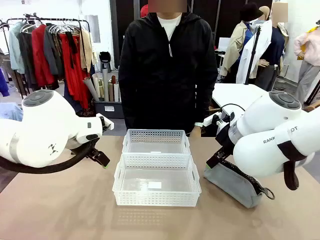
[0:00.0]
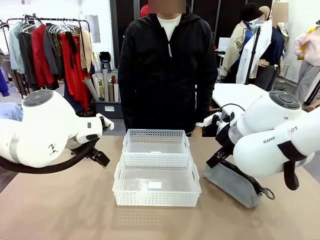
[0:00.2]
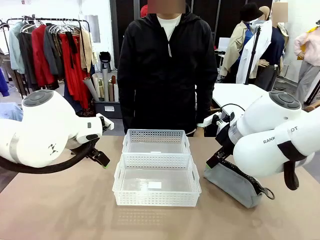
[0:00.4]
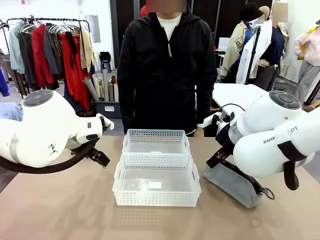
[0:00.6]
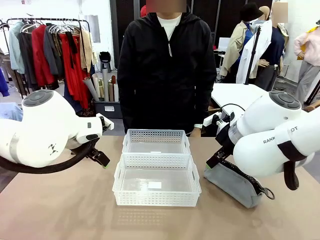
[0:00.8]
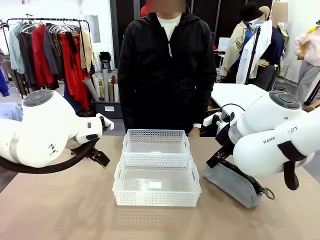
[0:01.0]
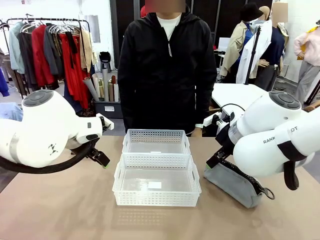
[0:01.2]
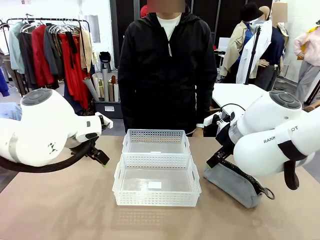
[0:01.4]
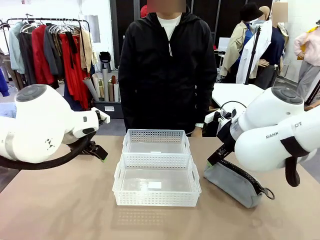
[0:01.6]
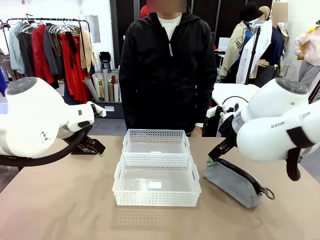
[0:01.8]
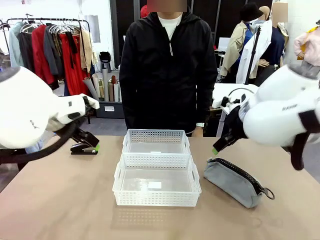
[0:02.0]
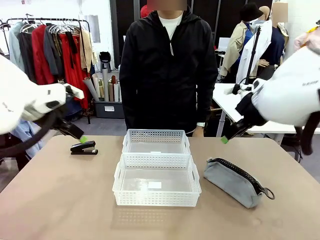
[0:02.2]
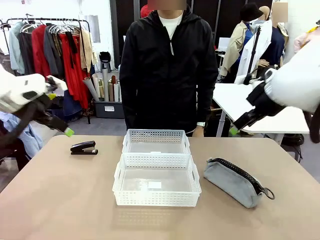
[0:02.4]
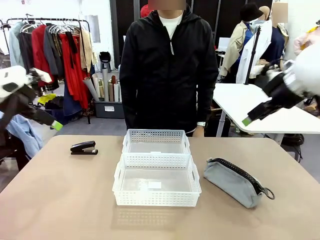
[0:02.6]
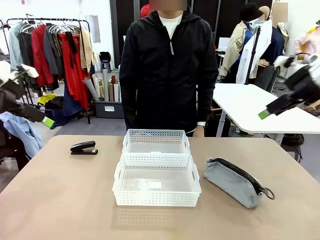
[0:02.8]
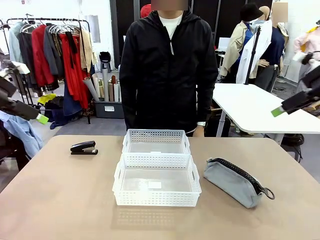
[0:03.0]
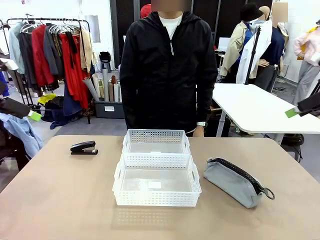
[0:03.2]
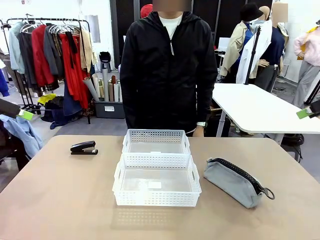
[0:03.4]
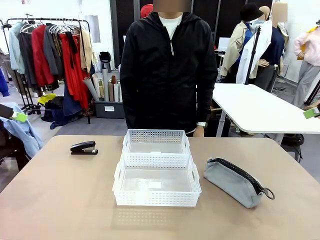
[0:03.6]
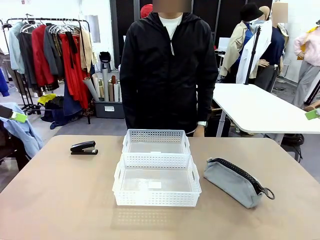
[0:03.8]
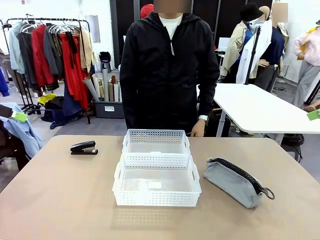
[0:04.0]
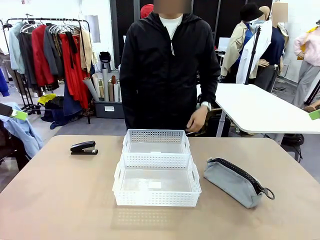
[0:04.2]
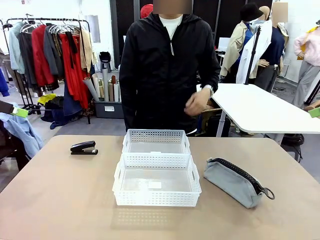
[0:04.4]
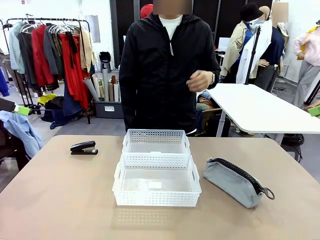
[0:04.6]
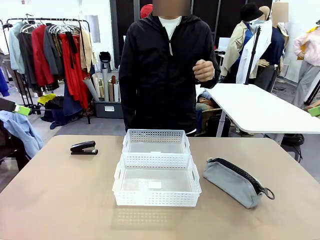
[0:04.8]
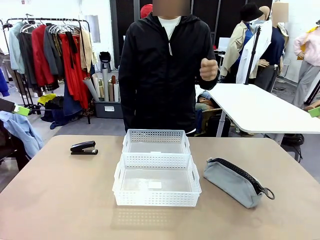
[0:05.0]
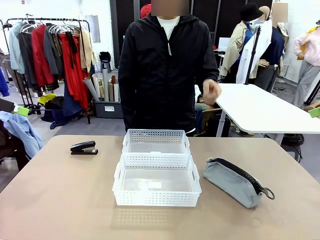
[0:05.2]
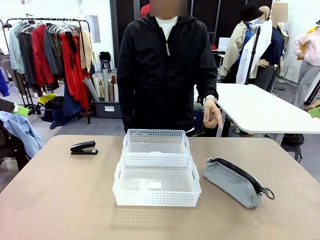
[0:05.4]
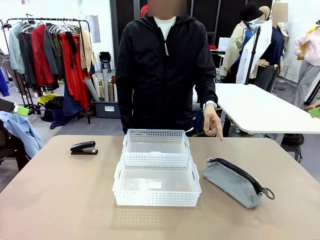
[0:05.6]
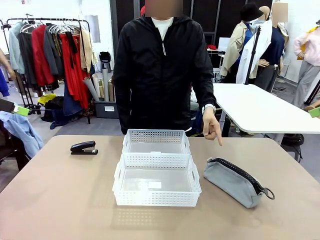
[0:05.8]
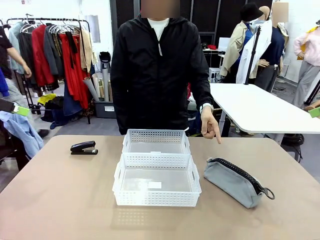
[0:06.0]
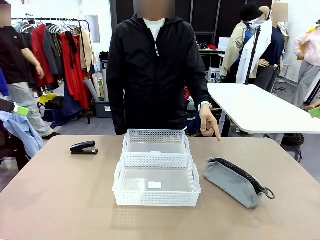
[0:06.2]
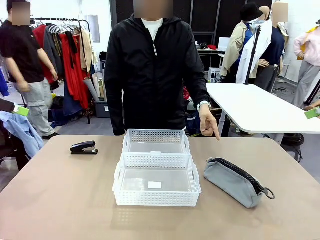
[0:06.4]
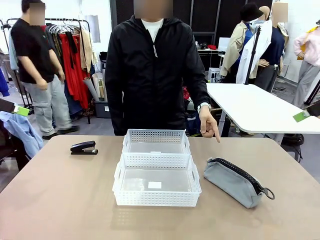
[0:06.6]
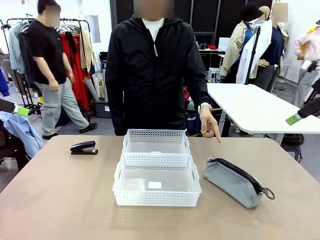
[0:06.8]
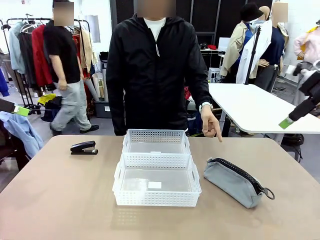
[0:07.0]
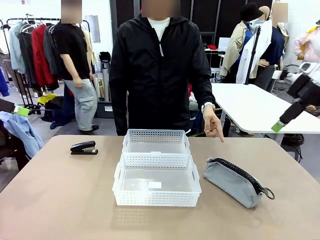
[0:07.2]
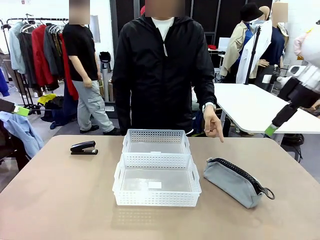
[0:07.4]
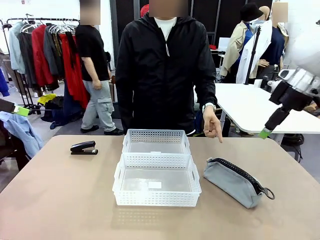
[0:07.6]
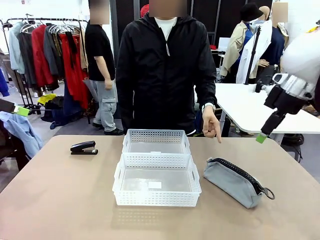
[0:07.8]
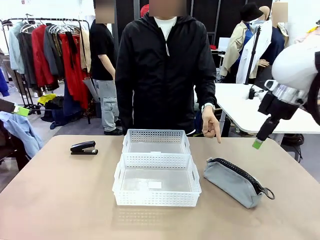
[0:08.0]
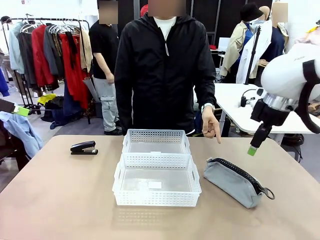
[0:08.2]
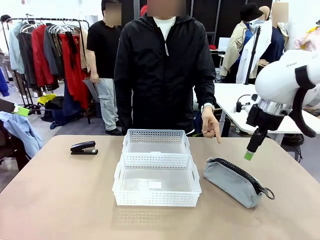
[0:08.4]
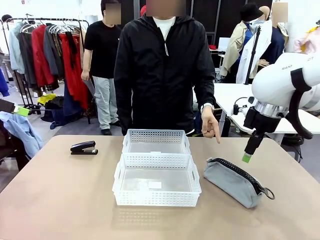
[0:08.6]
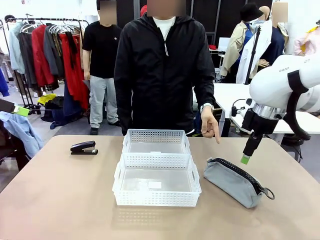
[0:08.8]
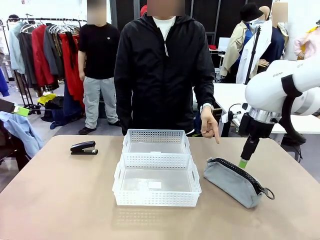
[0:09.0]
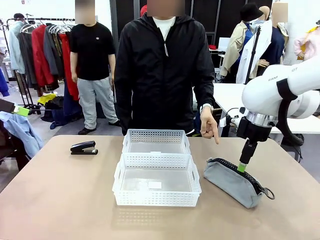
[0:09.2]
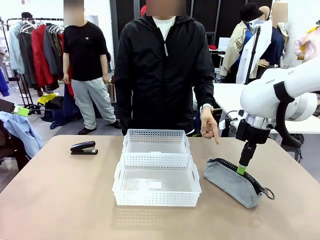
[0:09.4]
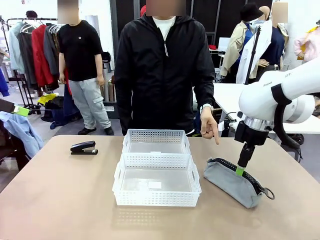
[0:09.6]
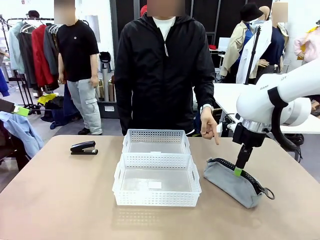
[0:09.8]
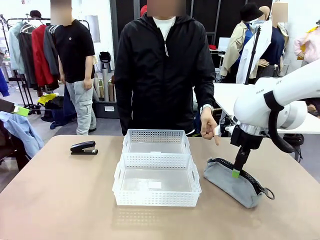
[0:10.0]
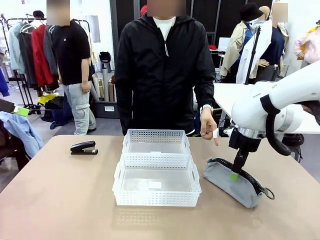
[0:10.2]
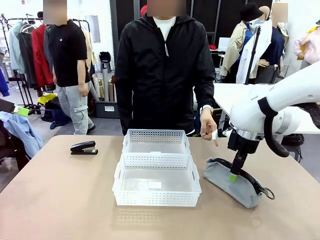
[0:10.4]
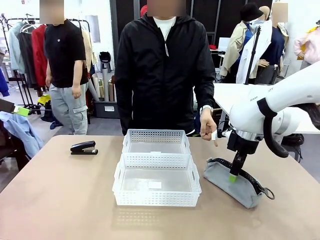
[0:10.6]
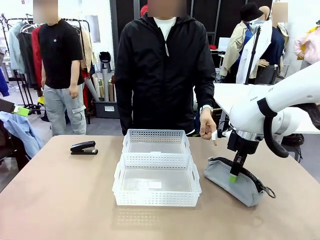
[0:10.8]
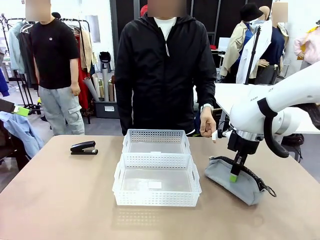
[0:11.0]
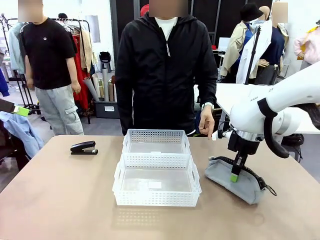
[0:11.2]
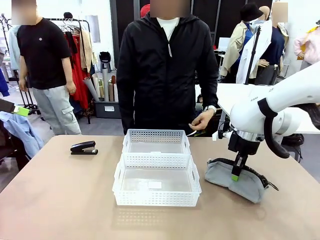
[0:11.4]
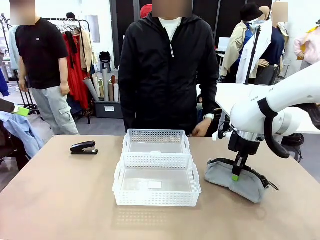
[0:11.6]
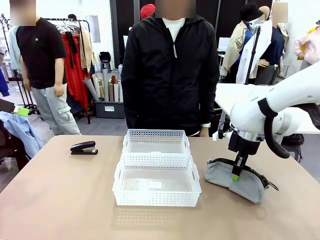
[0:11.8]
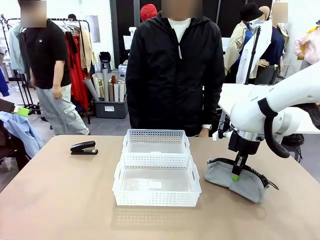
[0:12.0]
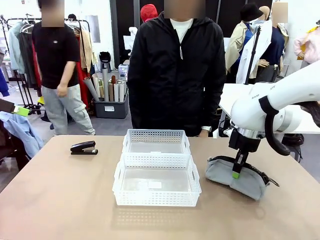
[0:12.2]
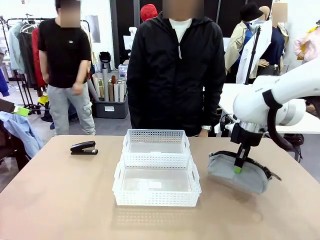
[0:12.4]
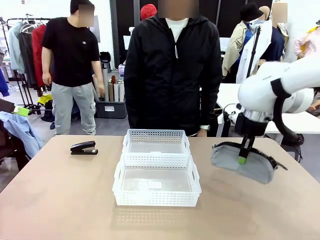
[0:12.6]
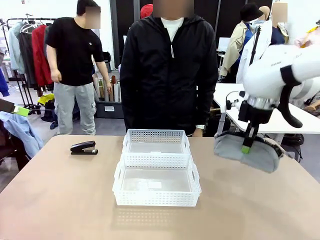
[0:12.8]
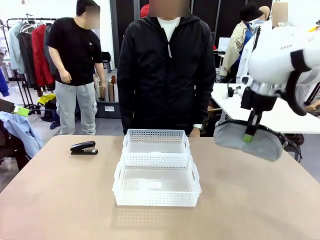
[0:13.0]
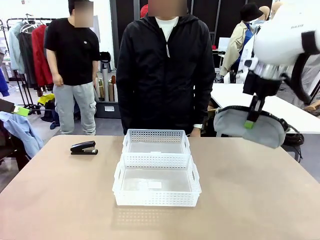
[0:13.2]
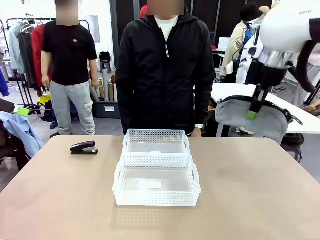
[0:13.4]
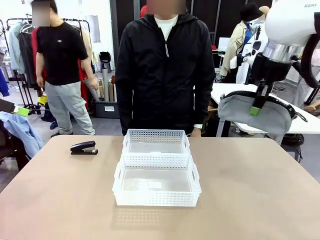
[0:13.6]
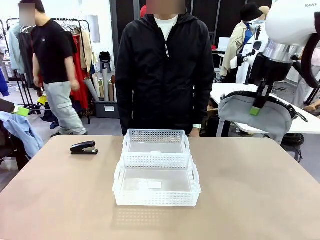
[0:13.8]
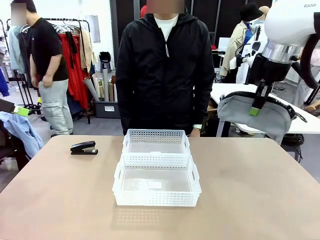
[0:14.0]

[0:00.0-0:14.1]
Task: Distribute items into two baskets.
Robot: Pick up the Pencil pouch that the person points to.
Person: Points to the pencil case. Points between the two organizing baskets and instructs the robot to move the pencil case.

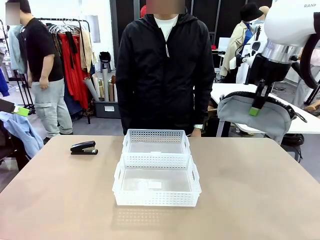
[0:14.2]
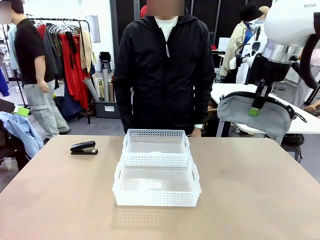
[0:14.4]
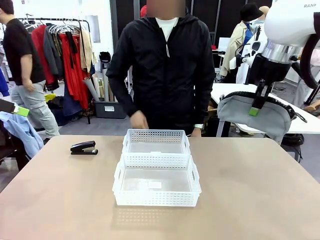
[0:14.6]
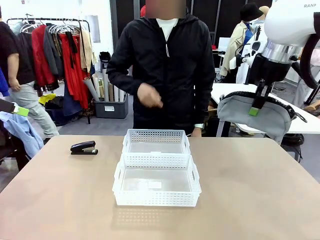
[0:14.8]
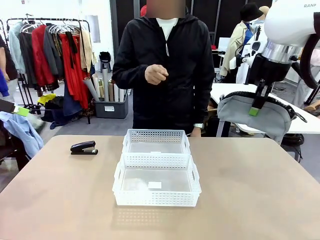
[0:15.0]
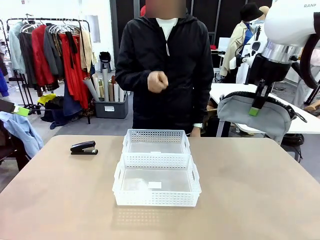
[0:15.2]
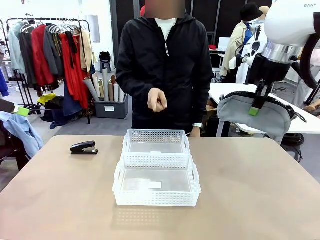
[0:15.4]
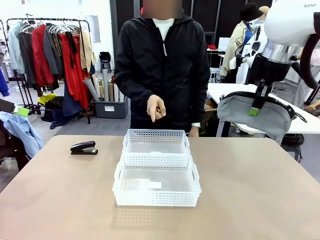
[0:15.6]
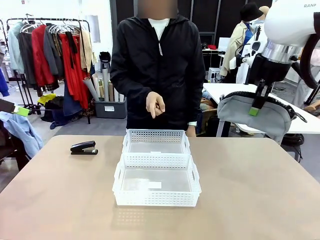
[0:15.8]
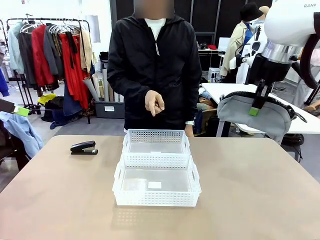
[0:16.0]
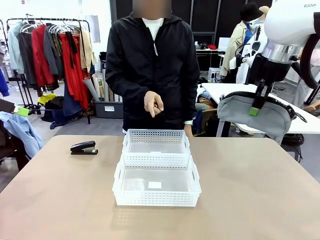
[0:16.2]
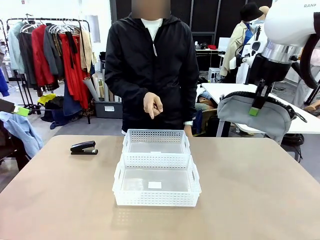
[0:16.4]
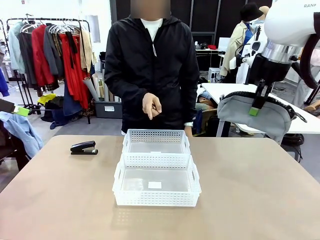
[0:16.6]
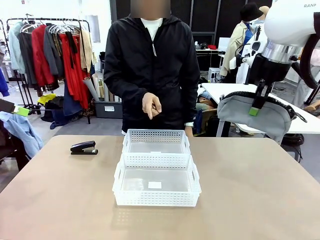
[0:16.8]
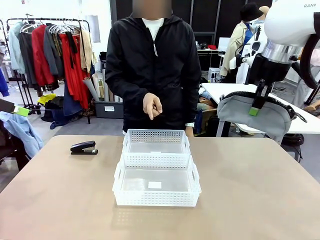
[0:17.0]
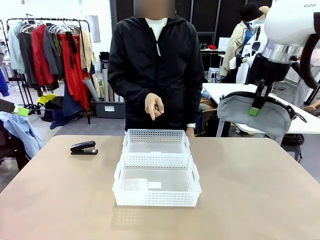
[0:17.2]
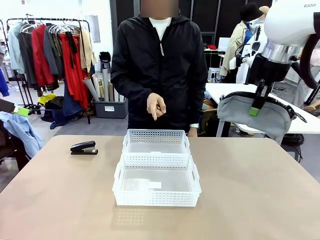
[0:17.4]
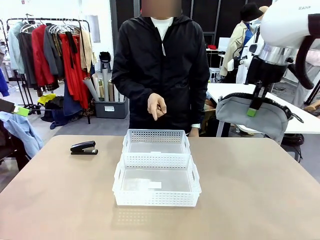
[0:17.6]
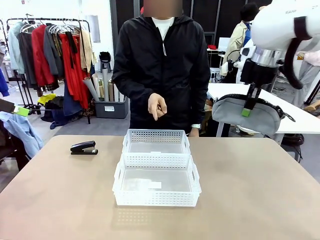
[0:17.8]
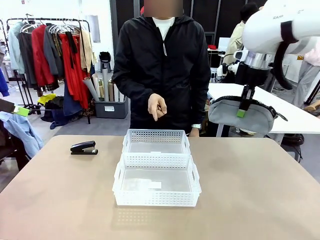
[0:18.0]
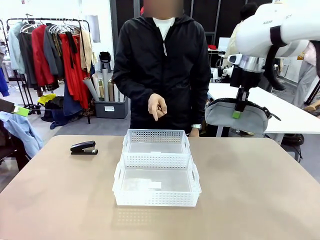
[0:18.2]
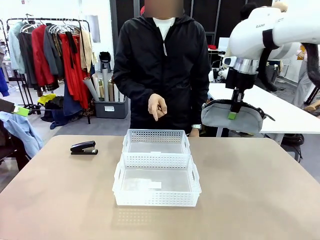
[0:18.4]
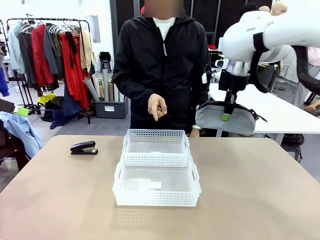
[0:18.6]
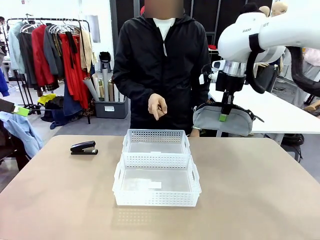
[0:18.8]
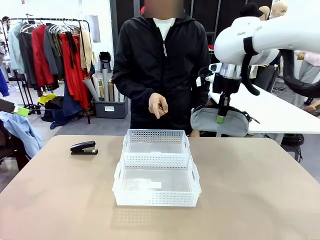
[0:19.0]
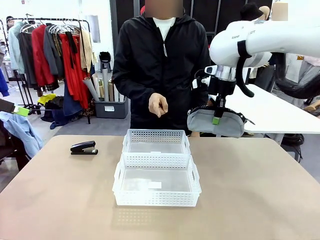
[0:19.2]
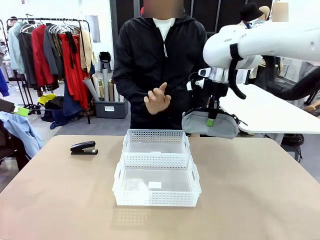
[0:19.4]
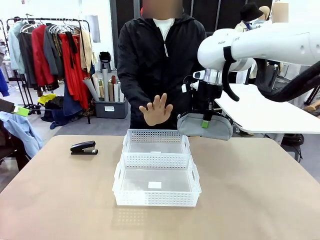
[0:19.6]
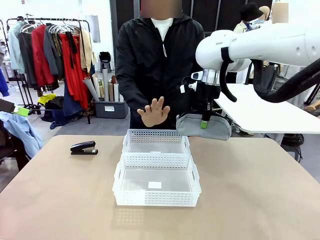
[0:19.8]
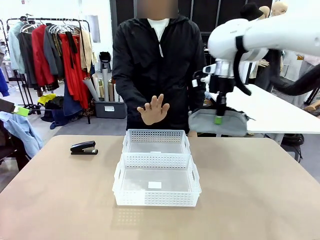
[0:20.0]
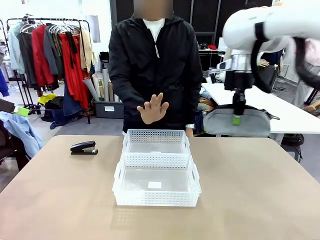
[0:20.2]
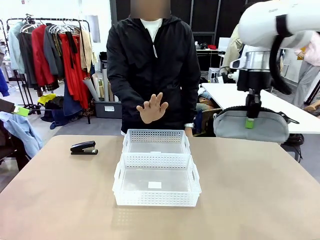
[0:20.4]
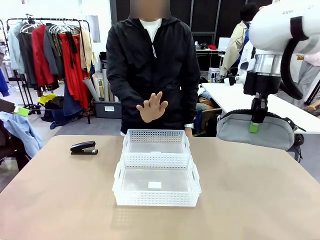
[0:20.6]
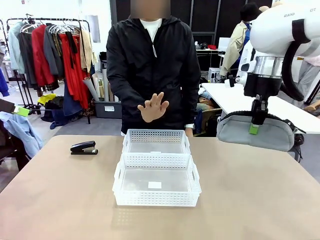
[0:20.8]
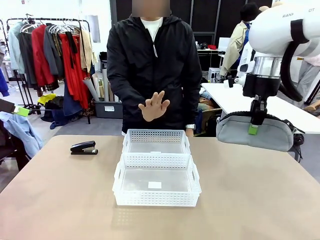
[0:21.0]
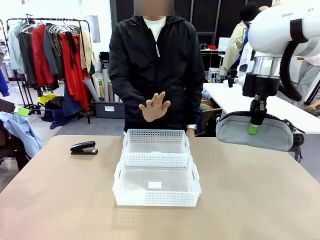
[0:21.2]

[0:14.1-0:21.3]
Robot: Move the picked Pencil pouch towards the Organizing basket indicated by the person, stopping as directed.
Person: Sends a stop gesture before the robot places the pencil case into the basket.
